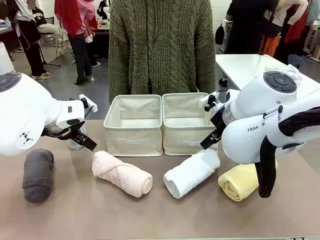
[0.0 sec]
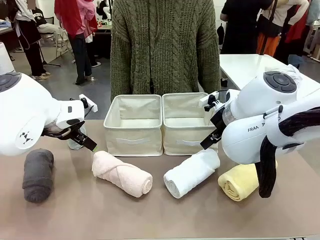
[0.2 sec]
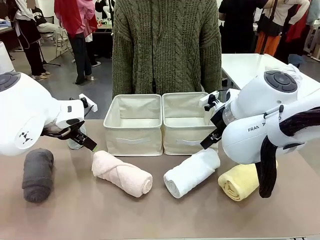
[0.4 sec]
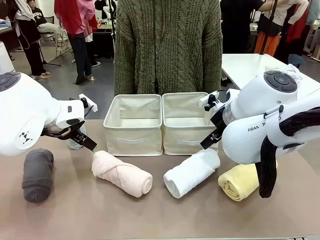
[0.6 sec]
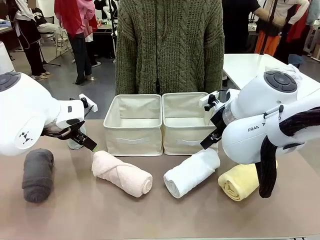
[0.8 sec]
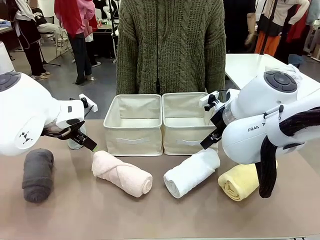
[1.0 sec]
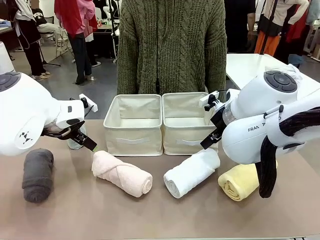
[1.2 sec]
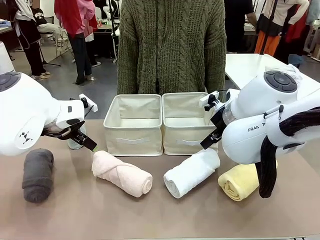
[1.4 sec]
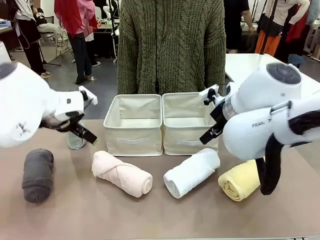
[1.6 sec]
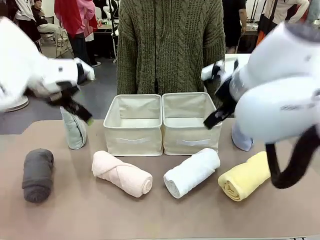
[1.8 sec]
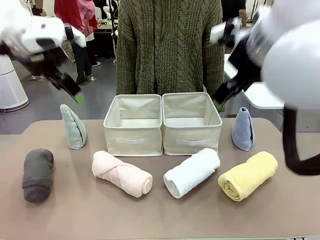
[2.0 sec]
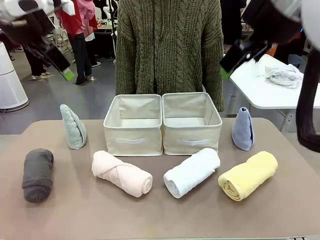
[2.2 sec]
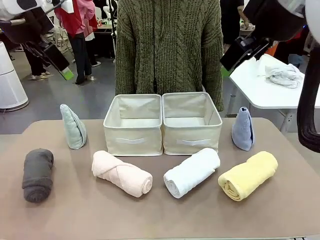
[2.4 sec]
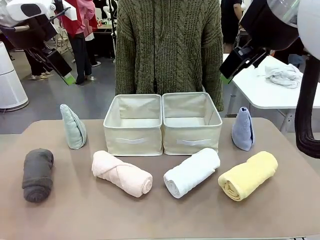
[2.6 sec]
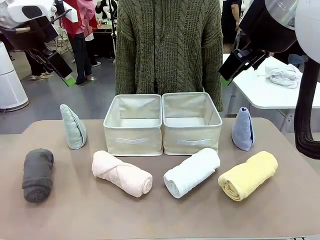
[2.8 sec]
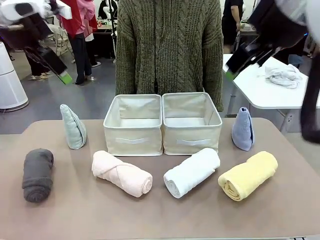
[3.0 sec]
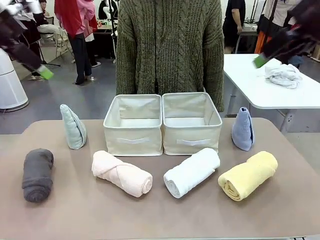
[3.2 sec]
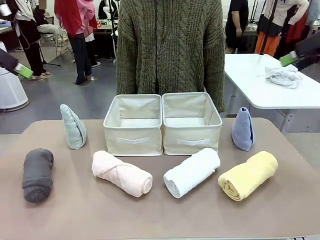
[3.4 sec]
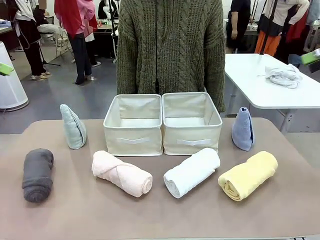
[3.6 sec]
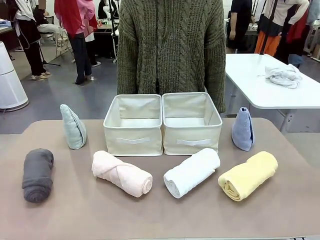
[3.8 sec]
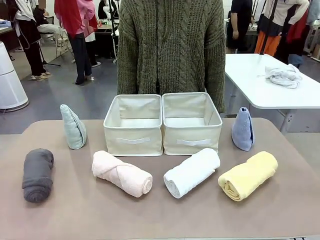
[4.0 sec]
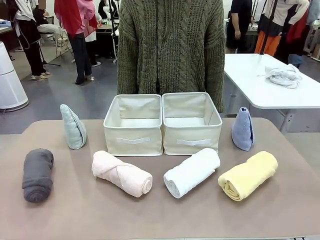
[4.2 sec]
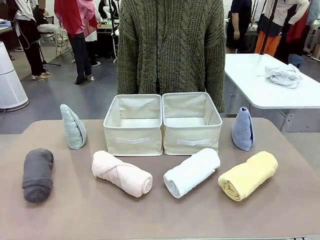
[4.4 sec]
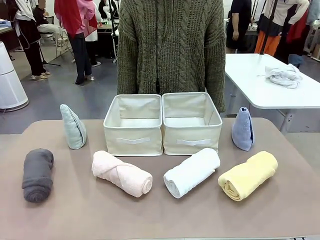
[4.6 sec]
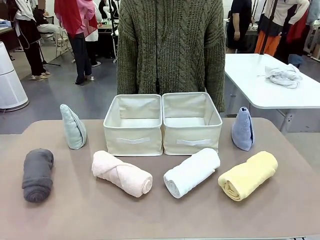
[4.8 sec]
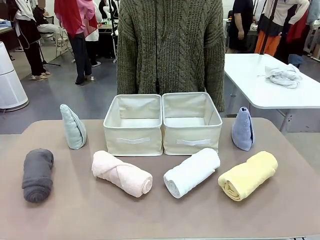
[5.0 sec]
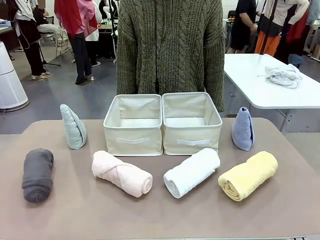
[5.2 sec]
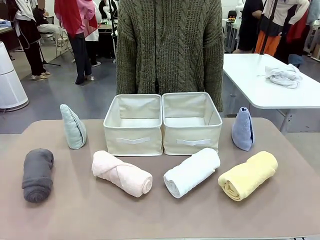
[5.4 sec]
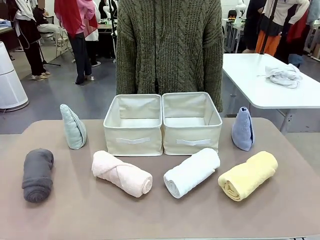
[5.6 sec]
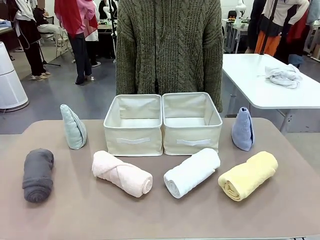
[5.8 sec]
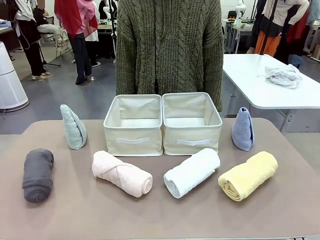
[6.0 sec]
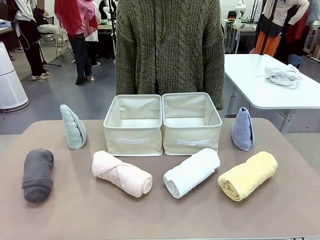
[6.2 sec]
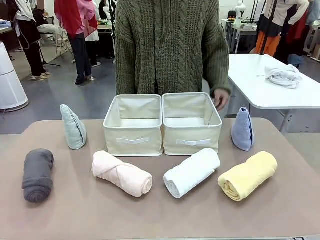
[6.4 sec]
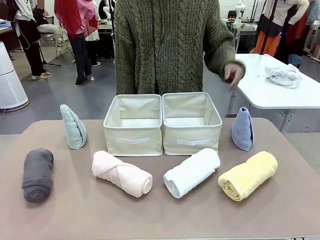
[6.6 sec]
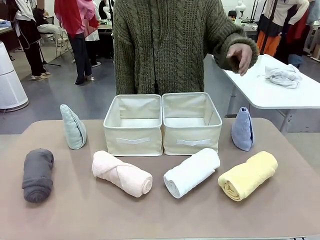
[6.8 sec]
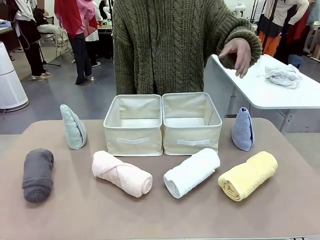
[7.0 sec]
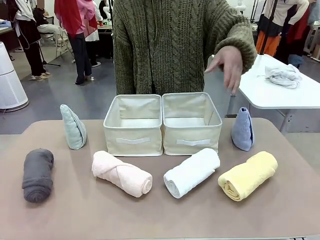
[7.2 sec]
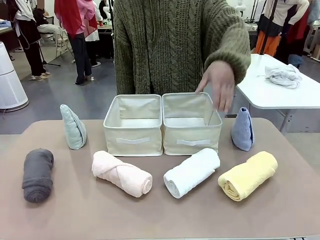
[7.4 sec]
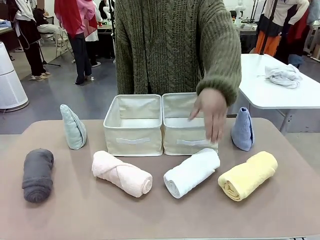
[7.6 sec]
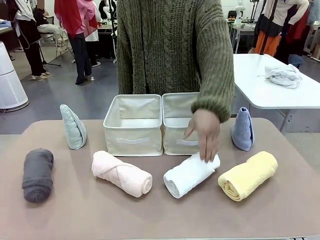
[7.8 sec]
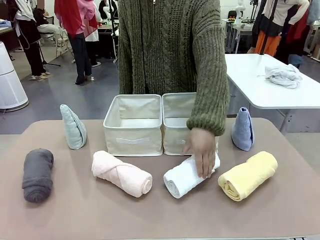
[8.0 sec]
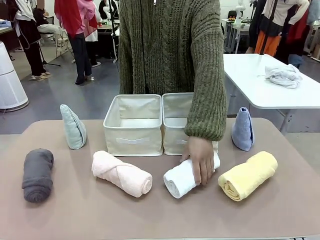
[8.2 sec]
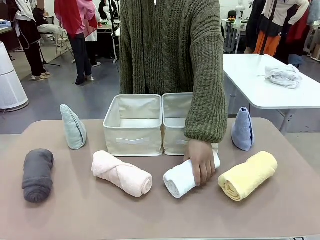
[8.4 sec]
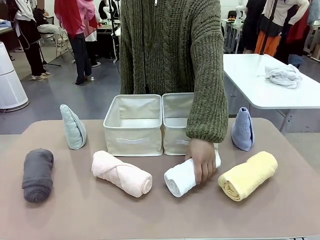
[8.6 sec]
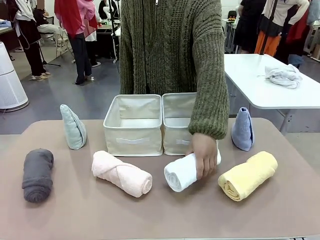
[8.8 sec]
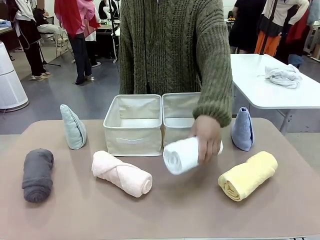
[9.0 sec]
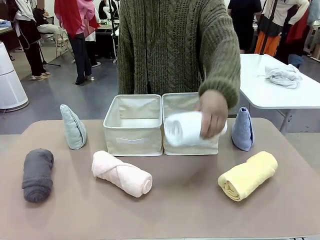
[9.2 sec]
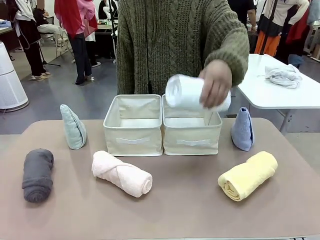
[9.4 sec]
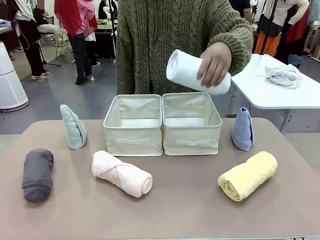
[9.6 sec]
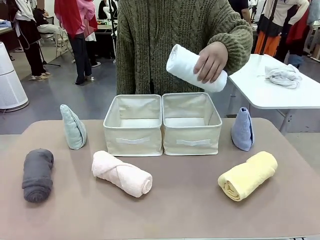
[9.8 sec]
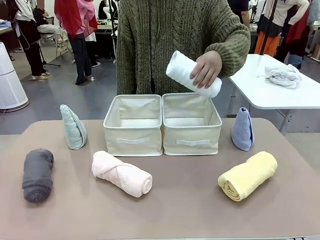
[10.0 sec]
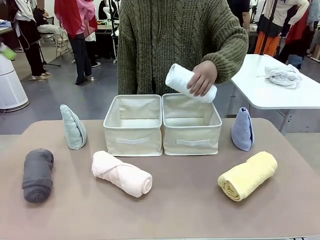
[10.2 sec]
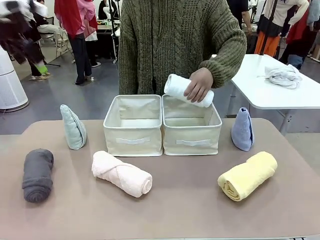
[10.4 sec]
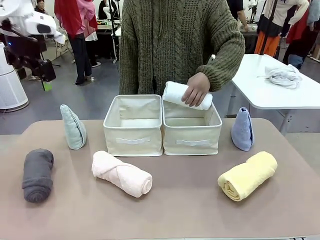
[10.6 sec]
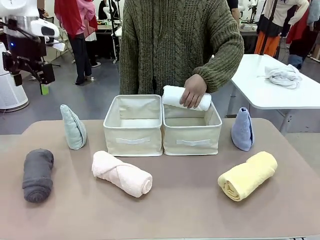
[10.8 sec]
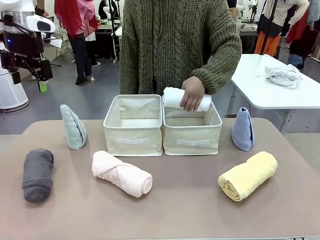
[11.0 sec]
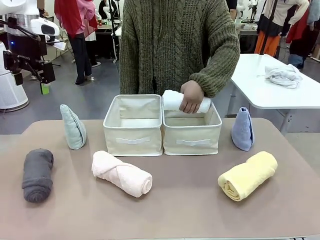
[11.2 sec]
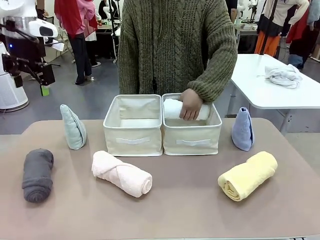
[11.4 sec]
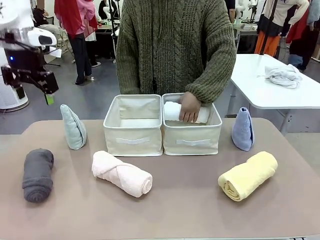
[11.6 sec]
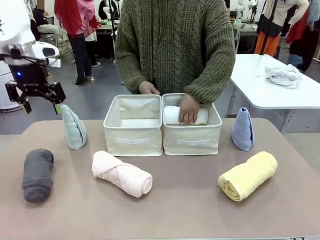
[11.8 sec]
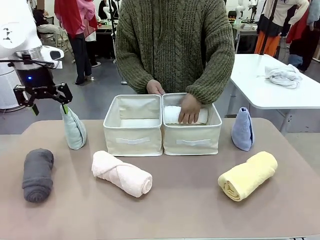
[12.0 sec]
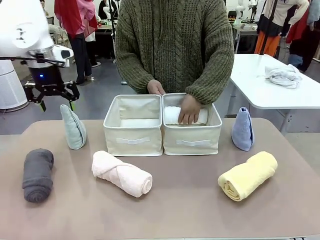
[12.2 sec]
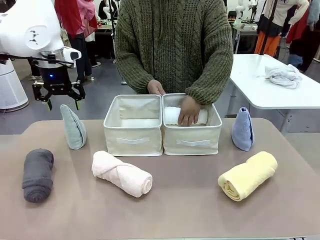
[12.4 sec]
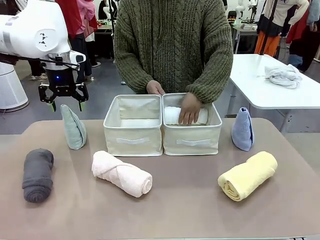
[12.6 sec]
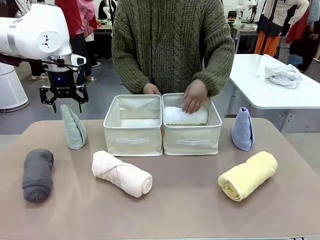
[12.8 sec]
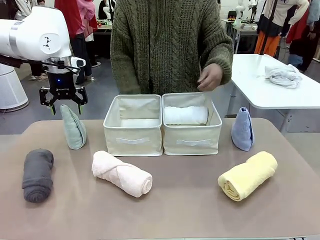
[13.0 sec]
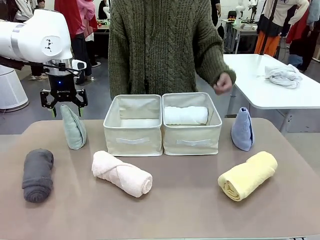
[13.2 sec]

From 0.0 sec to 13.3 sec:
Task: Sort the towels based on their folding style.
Robot: Pick up one triangle-folded towel and place it in the left Fabric basket.
Person: Pick up one hotel-style rolled towel and place it in the left fabric basket.
